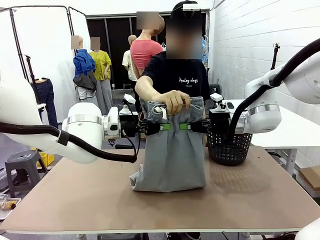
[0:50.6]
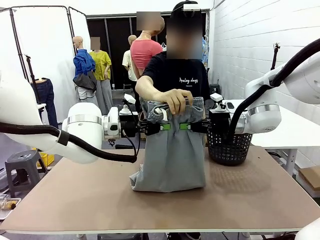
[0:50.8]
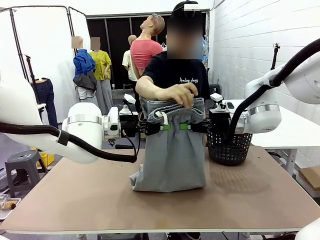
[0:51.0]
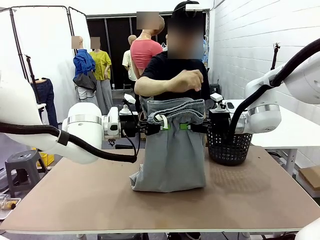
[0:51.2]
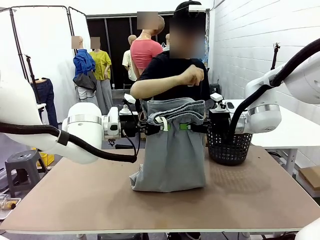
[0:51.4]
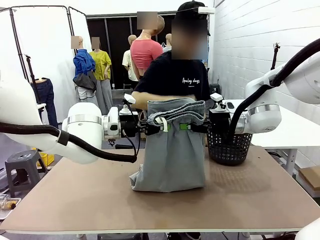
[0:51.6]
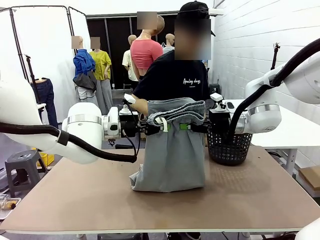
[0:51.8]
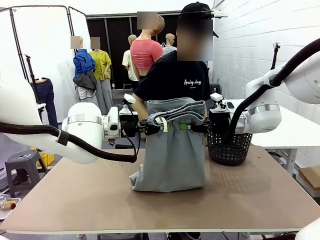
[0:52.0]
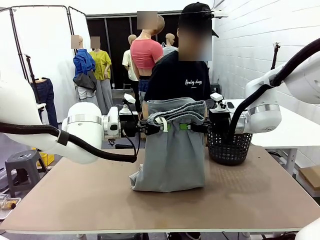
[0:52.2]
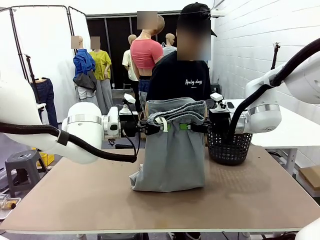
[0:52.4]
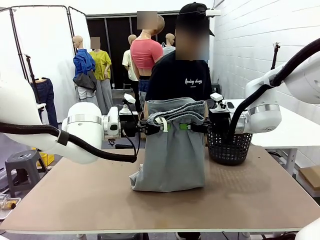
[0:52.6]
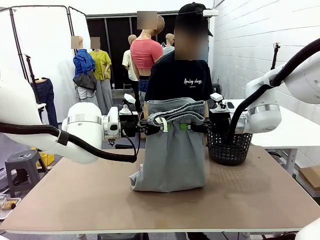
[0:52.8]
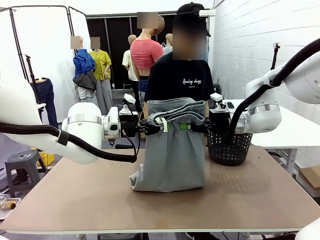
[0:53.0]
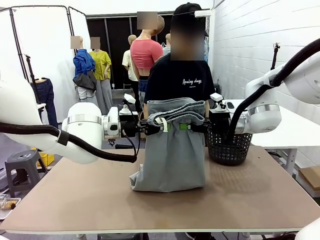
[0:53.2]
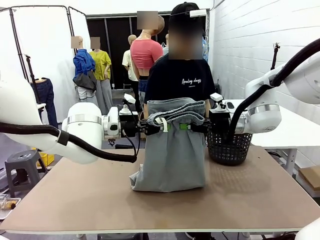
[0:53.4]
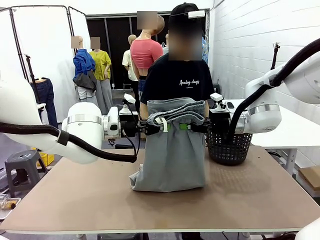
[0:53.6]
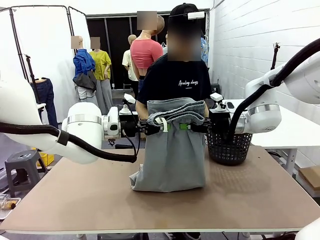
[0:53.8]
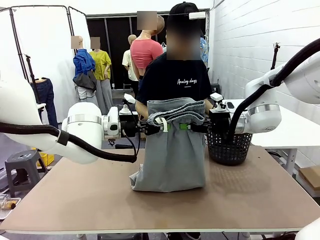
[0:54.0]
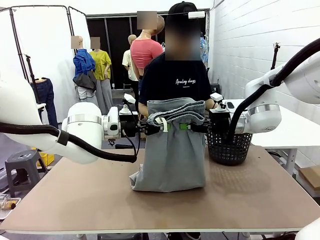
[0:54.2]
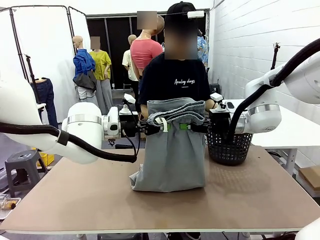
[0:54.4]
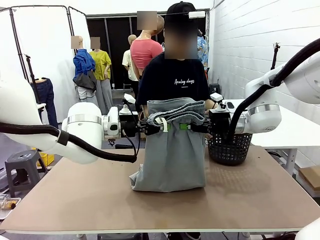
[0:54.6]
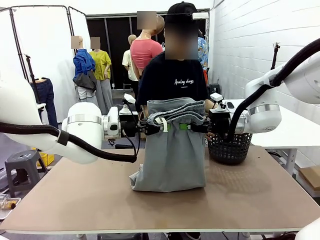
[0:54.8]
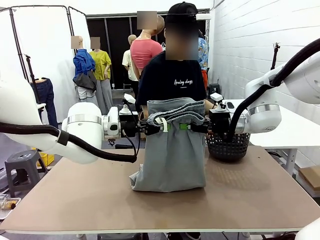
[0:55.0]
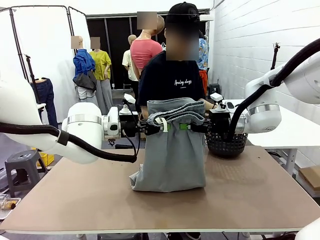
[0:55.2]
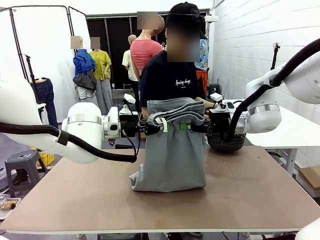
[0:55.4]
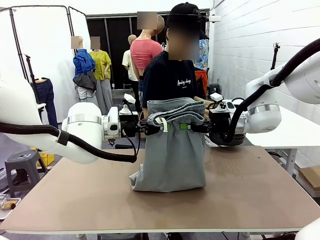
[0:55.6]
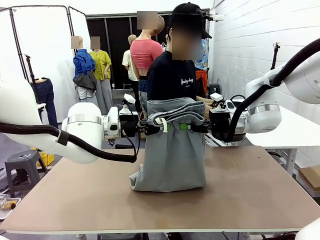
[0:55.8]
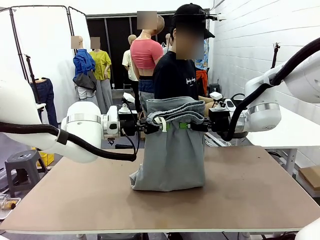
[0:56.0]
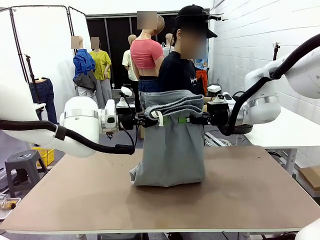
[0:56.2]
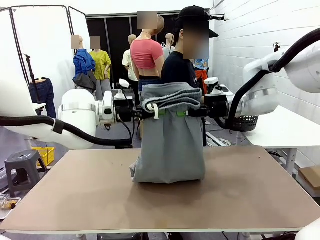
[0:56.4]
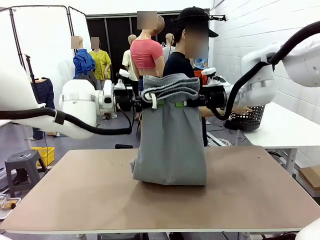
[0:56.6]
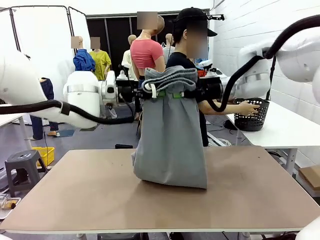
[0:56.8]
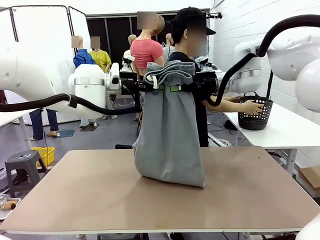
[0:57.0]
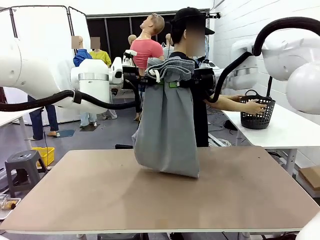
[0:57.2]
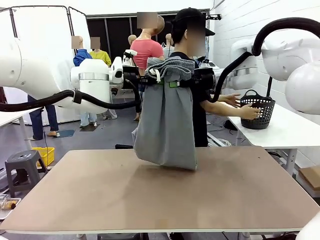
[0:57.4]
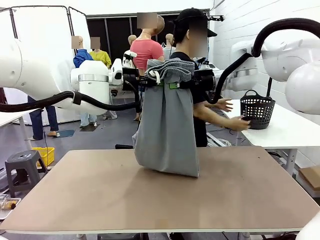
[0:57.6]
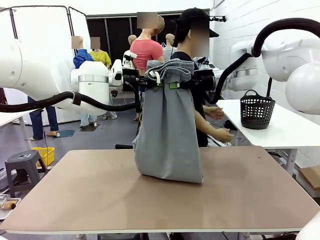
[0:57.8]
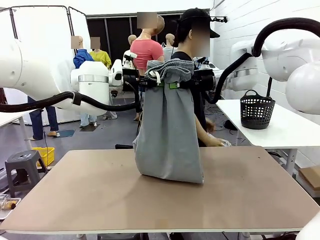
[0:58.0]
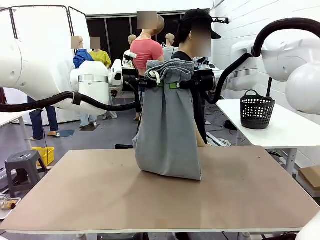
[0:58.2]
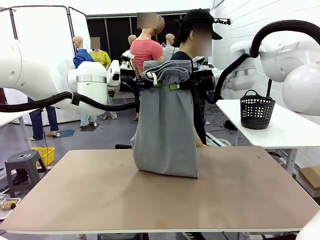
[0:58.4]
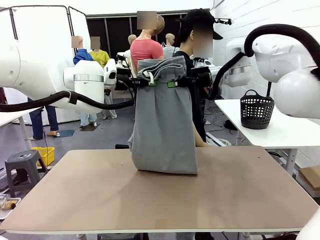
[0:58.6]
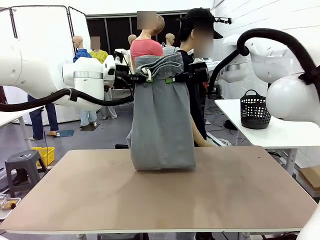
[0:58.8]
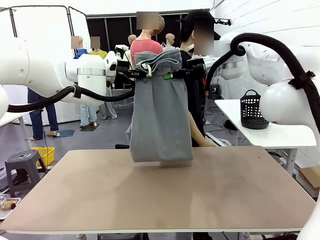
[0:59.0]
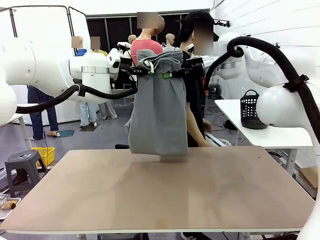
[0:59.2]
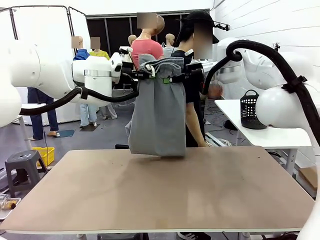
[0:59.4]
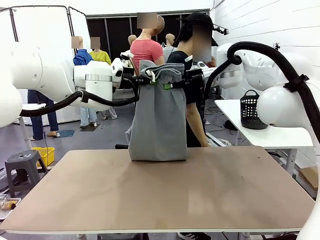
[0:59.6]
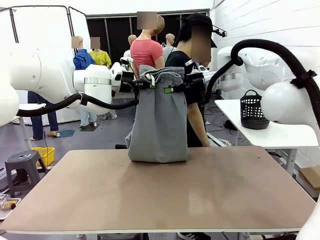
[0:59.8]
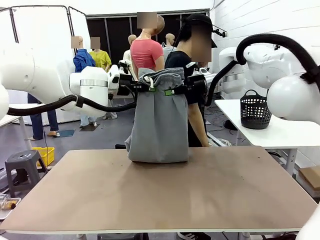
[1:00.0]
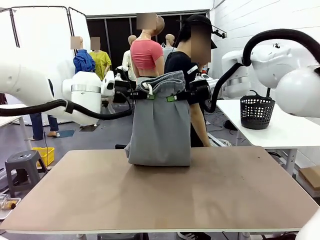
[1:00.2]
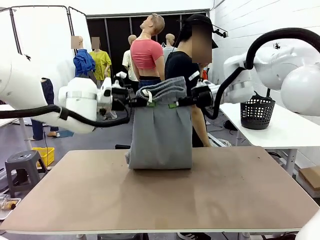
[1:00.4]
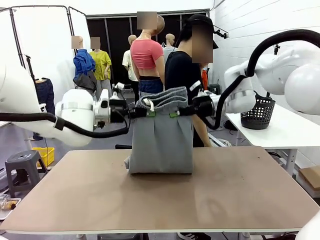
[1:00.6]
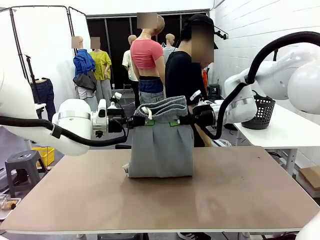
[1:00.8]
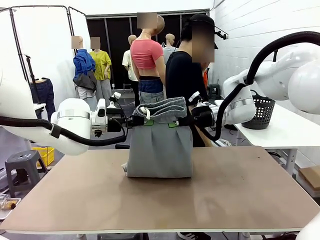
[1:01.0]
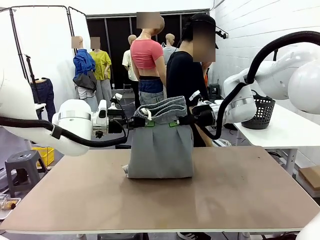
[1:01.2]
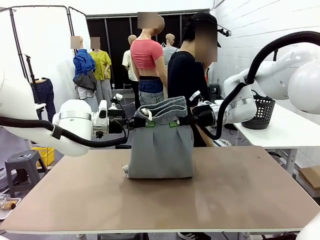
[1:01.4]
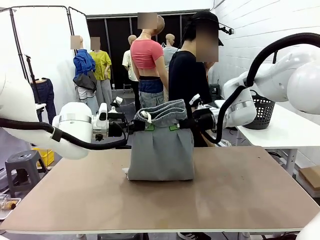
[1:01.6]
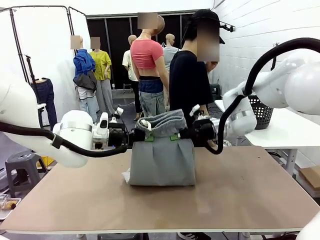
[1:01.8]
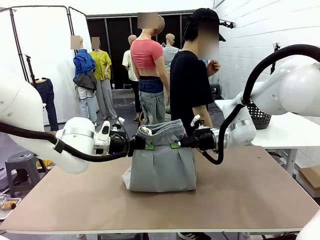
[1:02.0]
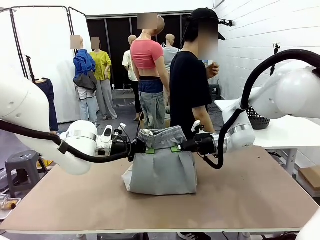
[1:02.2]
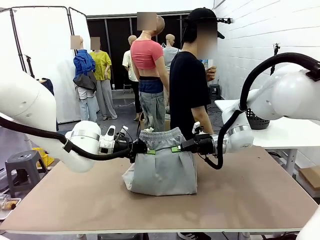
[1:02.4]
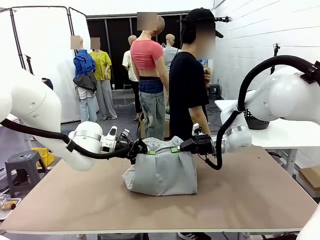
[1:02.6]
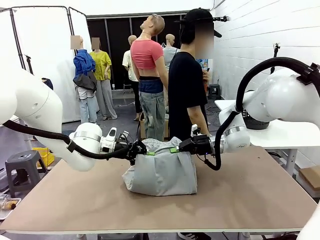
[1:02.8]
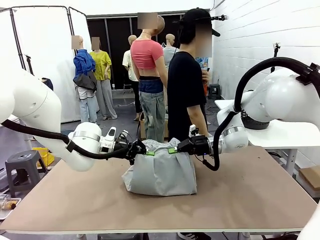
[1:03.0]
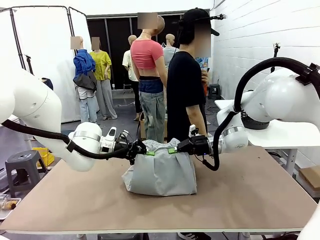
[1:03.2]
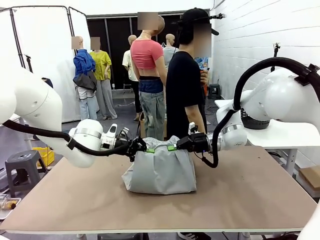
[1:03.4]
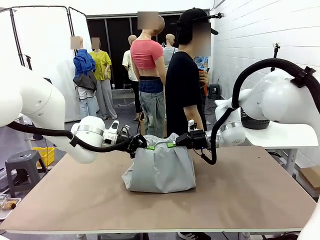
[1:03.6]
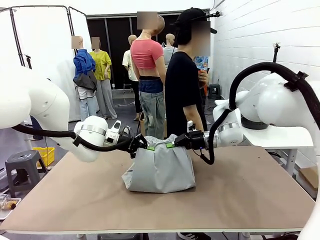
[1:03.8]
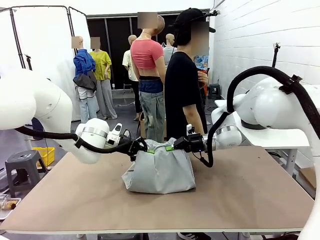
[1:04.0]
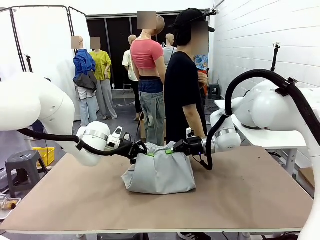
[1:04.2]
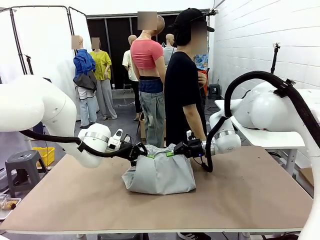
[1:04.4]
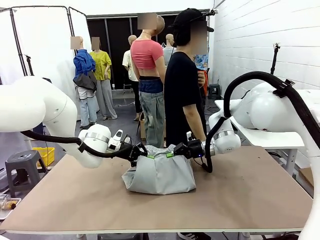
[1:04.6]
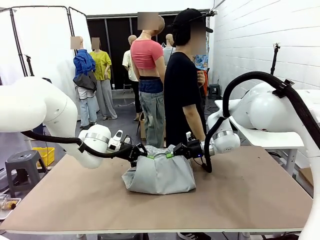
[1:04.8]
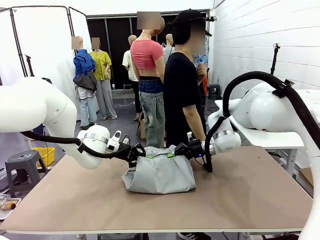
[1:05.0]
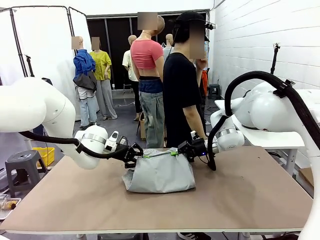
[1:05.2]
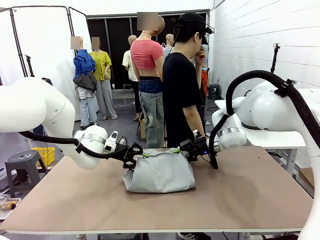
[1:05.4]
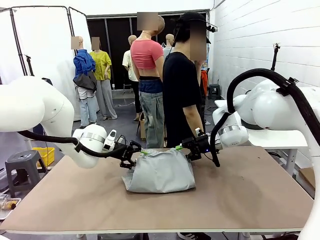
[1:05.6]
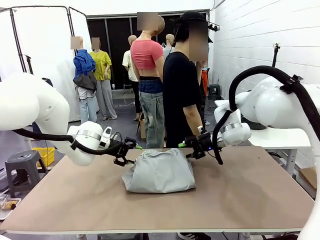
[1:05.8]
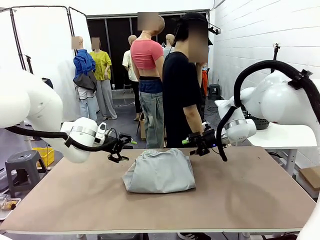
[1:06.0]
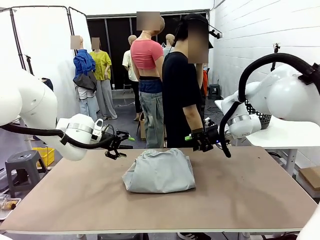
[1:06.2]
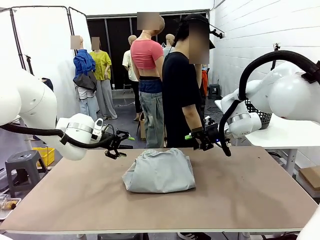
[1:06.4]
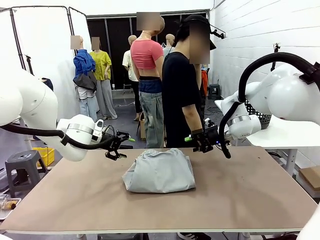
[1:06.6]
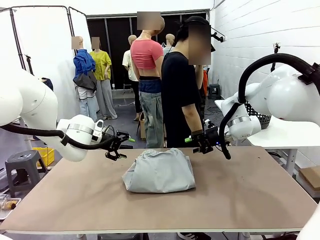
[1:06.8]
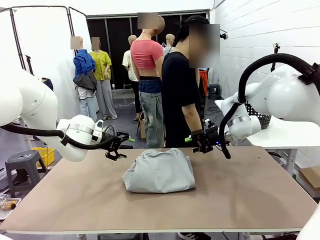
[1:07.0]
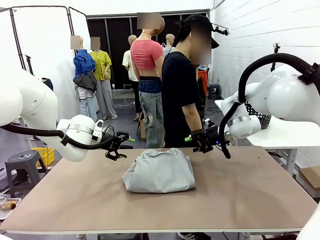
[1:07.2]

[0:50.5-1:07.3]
Task: Fold the training pants.
Robot: Fold the Training pants in half.
Person: Move the laundry basket to the right of the human table.

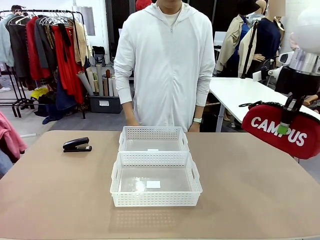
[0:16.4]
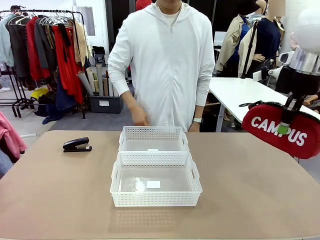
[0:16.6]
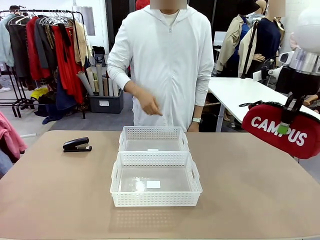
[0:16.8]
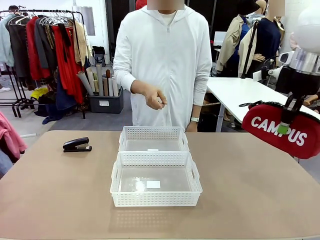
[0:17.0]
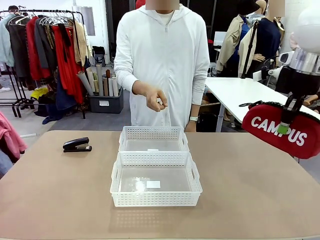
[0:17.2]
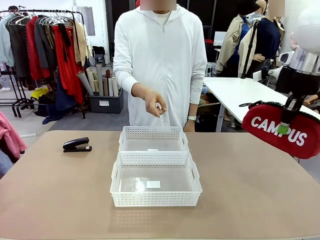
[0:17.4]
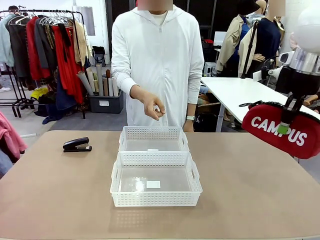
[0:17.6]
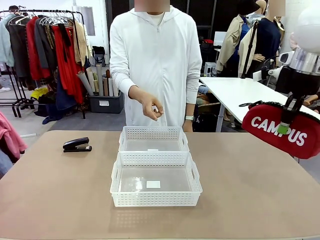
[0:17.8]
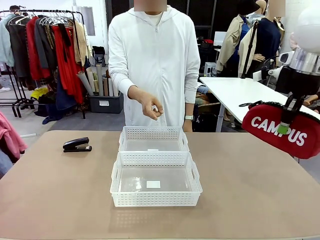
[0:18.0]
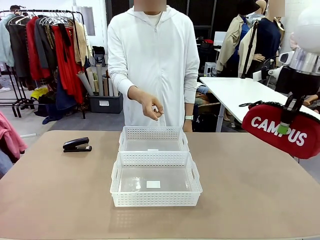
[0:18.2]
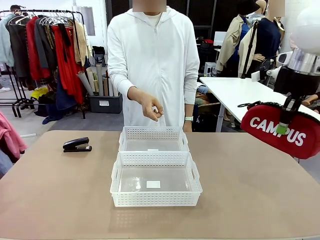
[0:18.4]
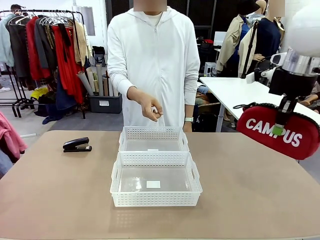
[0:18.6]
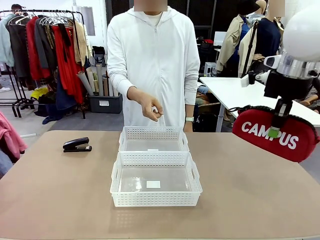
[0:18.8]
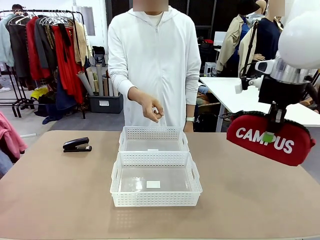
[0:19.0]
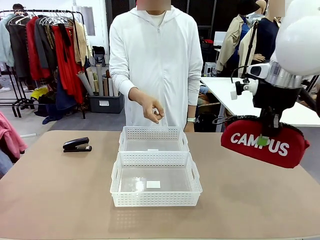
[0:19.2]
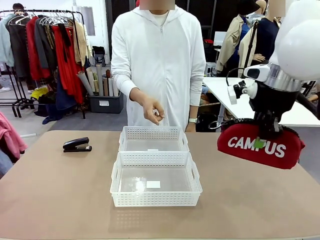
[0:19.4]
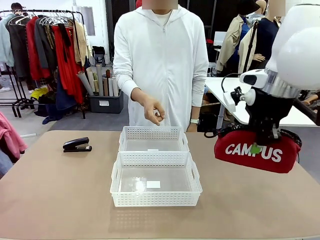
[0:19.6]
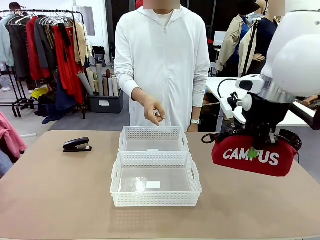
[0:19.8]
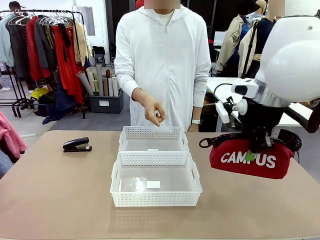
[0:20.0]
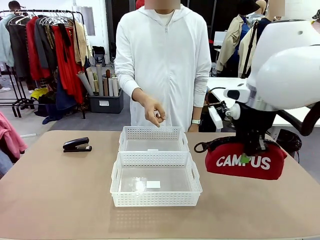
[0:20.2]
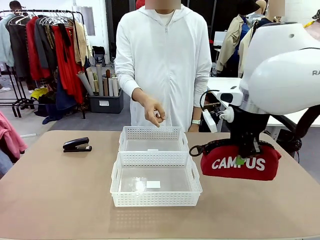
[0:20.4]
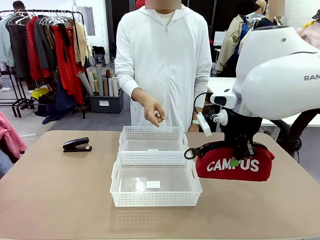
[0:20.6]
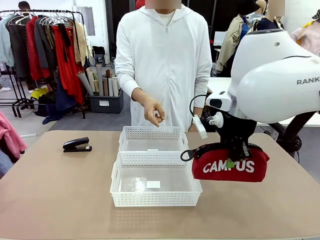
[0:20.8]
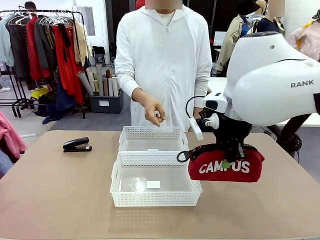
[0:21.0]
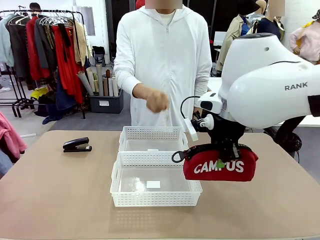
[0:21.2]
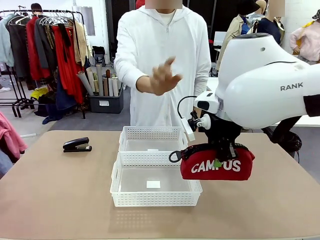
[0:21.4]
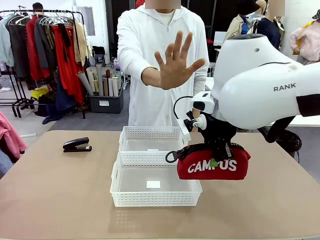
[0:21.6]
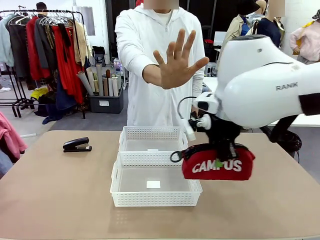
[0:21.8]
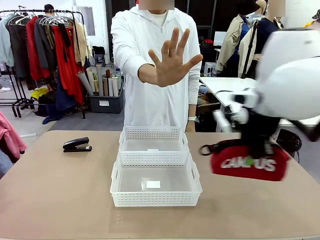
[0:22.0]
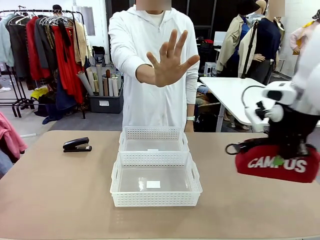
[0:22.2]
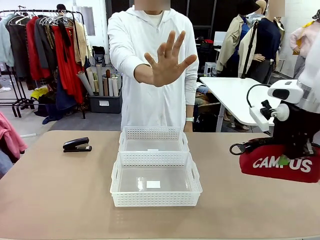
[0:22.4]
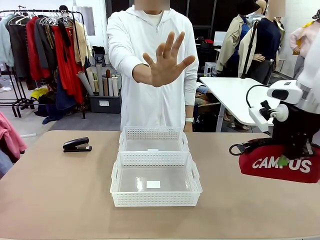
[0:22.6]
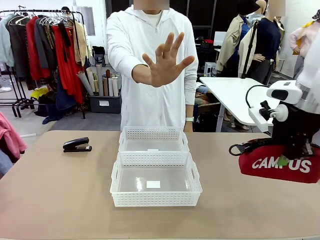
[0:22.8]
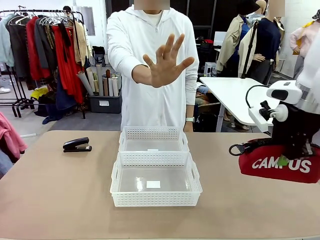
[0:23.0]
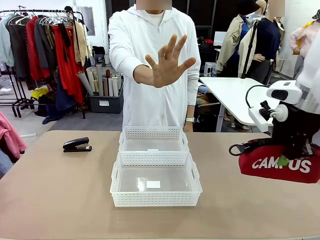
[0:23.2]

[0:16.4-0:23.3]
Task: Distribute items into two baskets.
Robot: Move the picked Pencil pouch towards the Organizing basket indicated by the person, stopping as directed.
Person: Sends a stop gesture before the robot places the pencil case into the basket.
